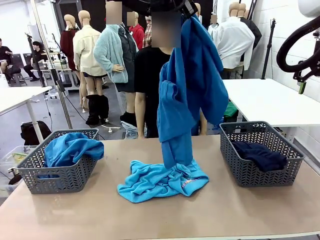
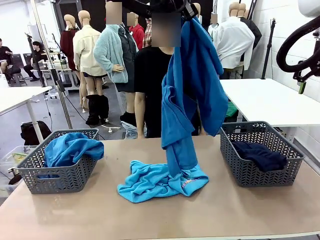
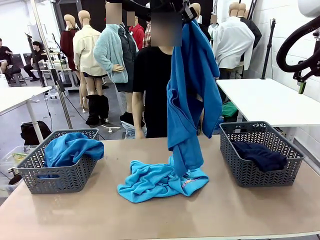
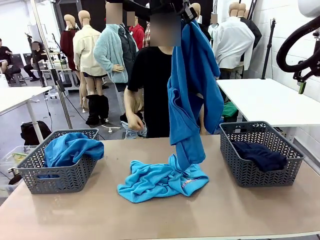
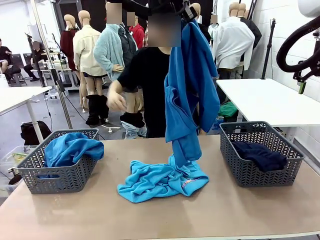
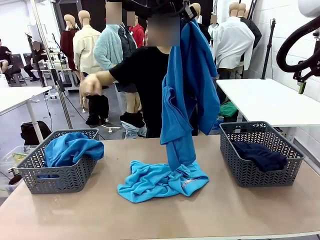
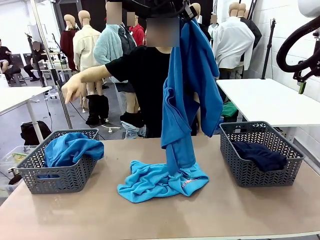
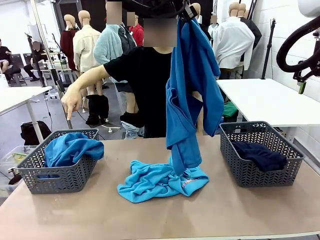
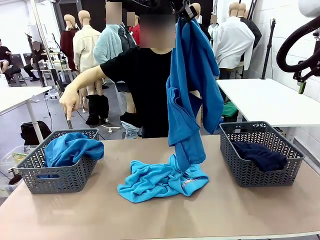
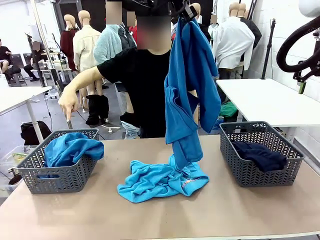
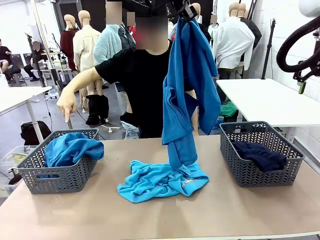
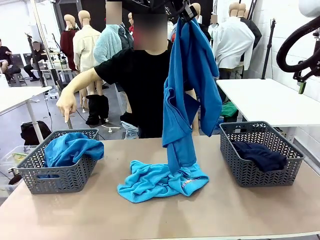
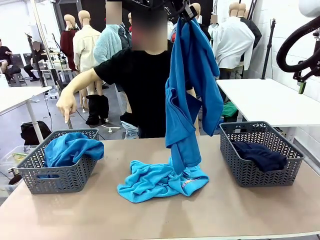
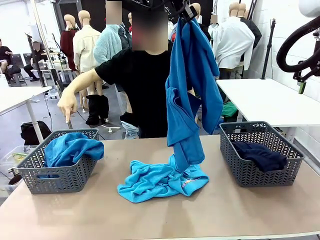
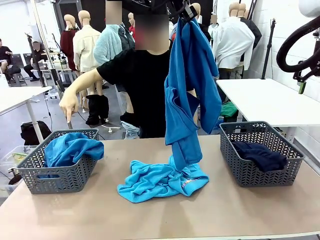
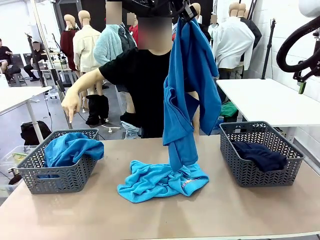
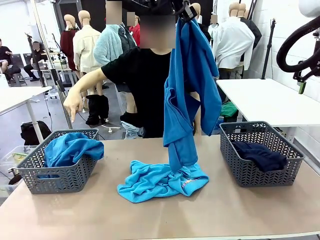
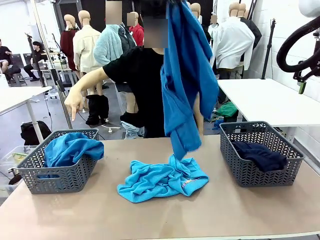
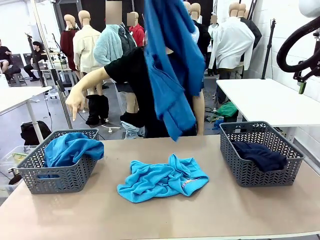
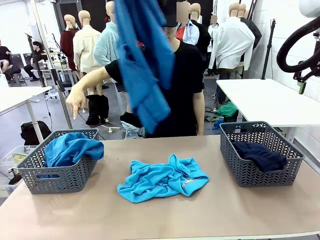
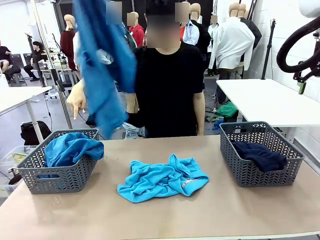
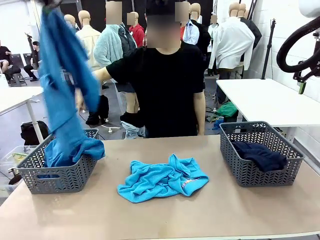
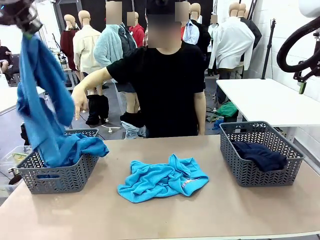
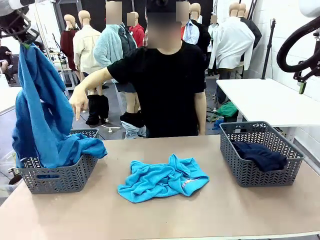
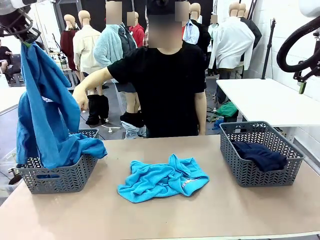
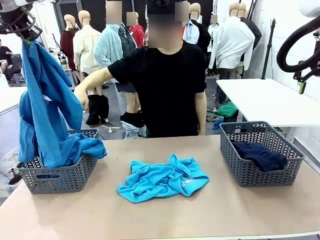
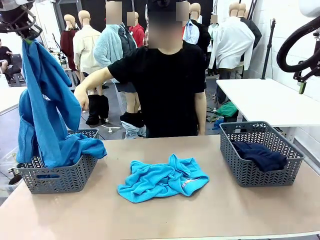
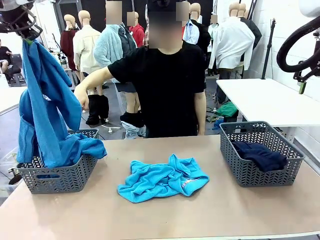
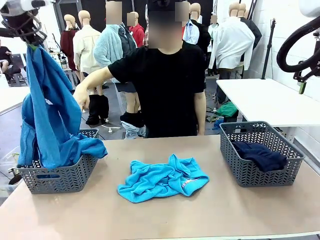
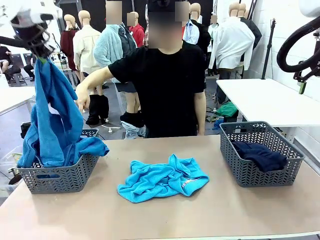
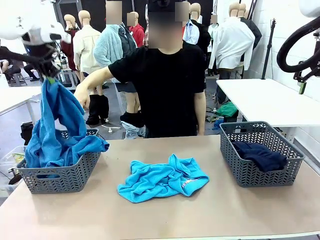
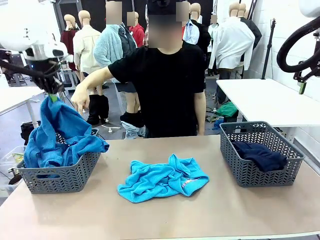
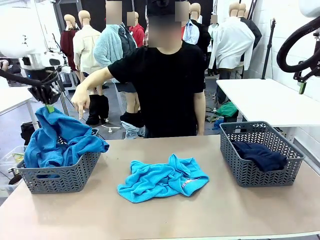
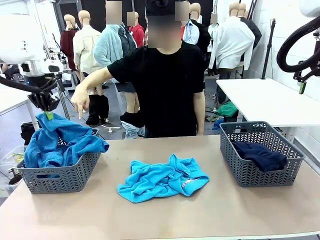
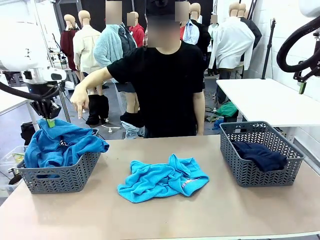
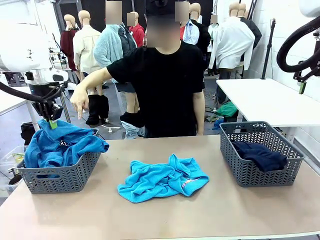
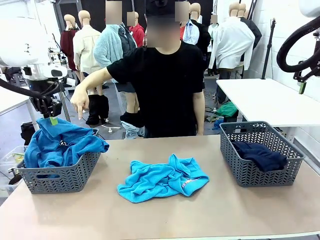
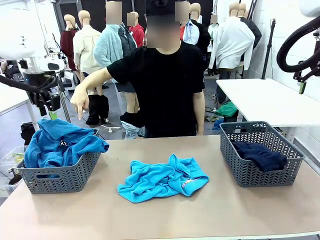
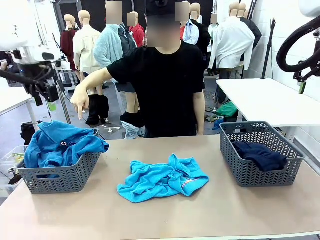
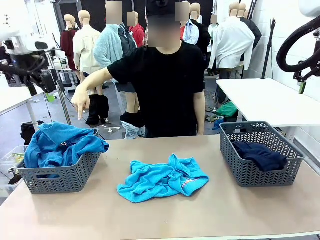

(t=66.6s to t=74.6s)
Task: Sort the tops and bottoms.
Robot: Sort the clothes according to human instructions.

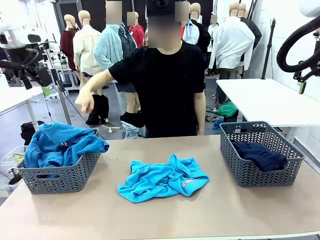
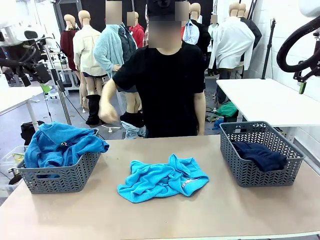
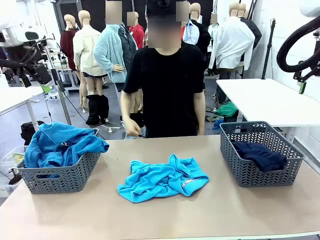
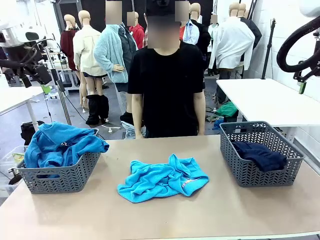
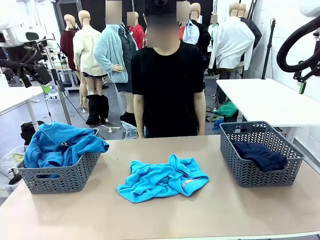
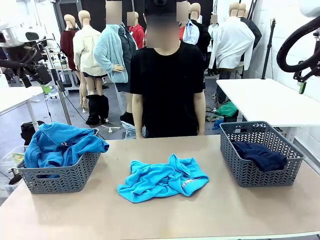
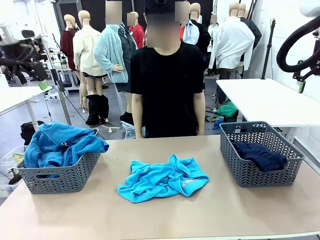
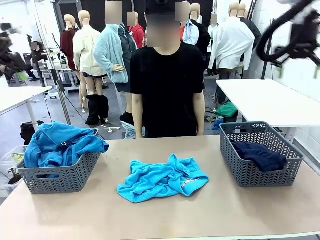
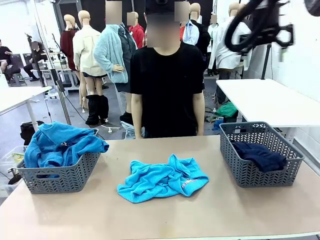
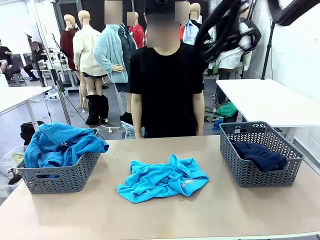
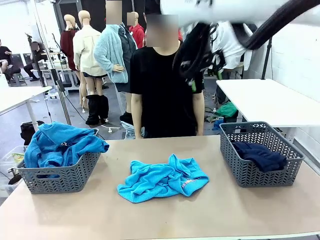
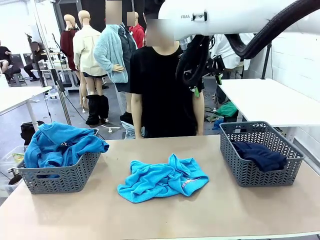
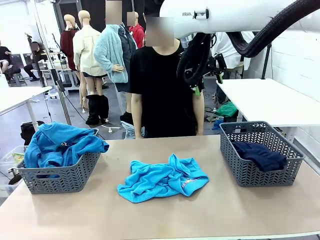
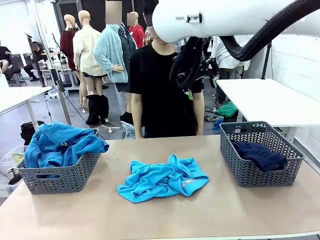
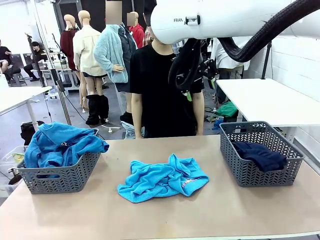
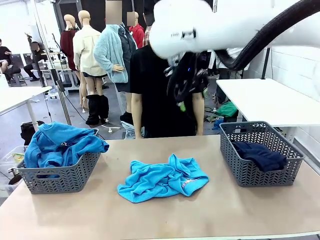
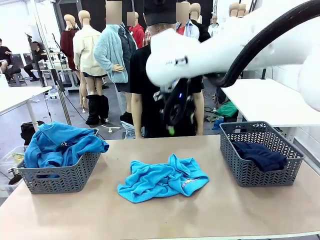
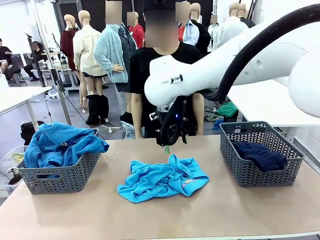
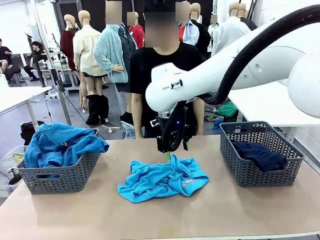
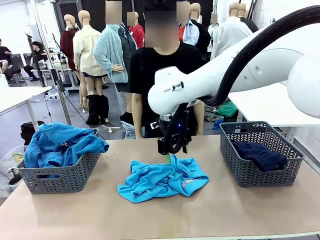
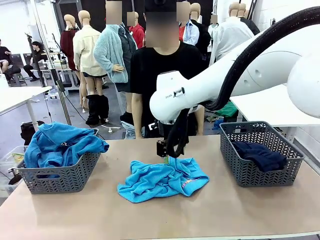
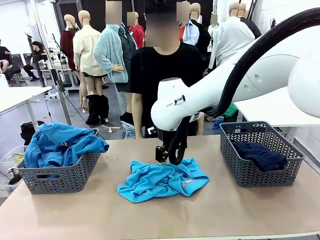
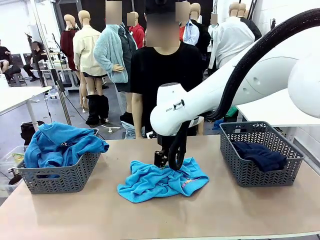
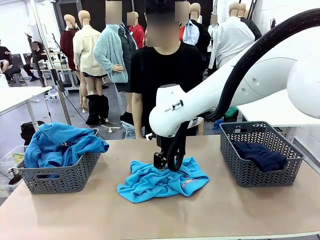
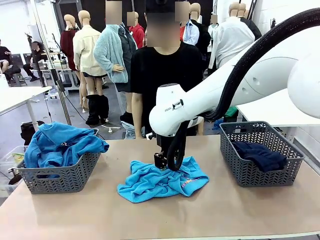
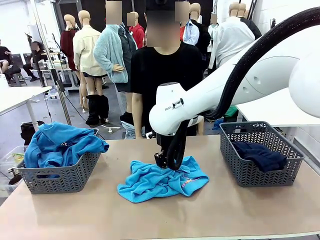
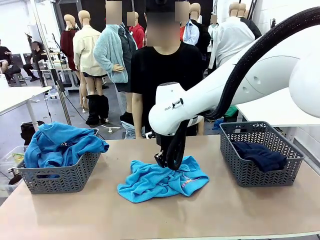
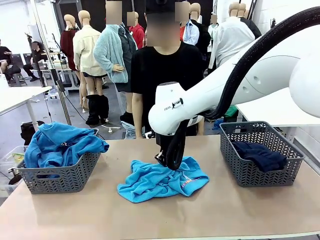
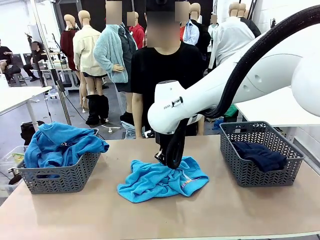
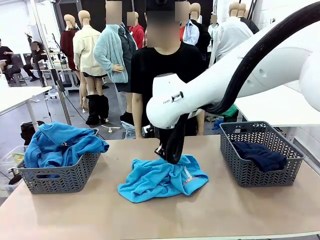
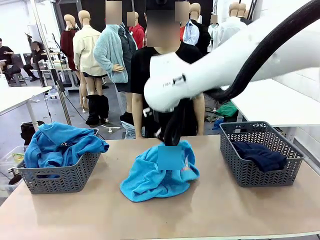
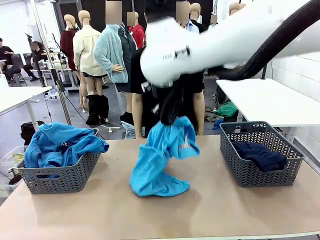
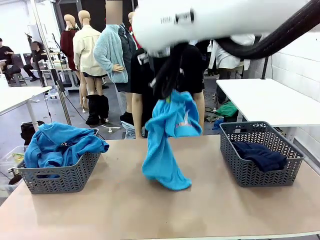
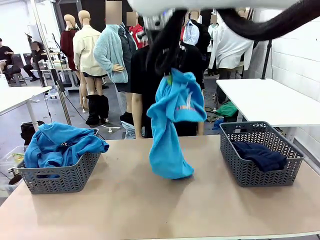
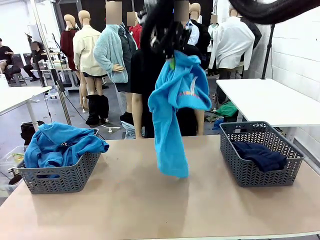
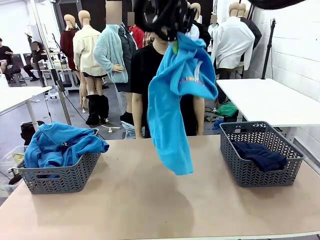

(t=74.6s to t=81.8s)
Robot: Lift clothes from the center of the table with your right hand.

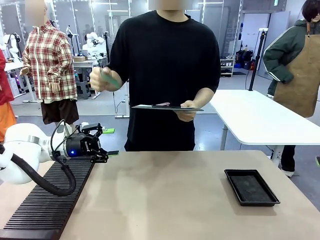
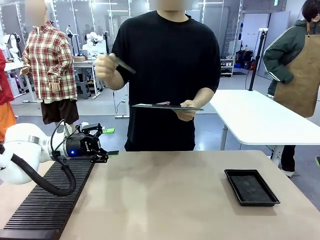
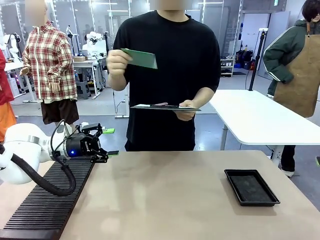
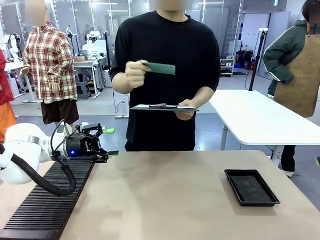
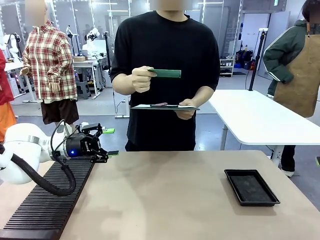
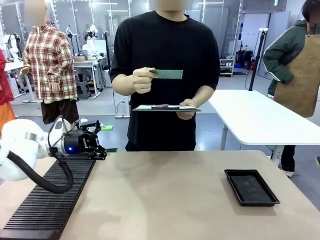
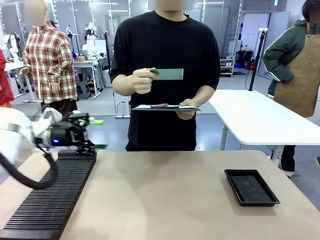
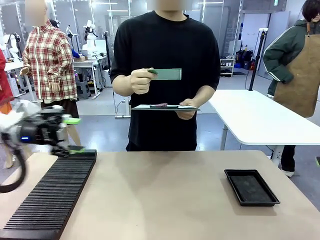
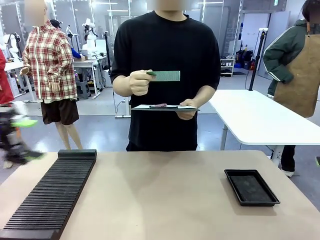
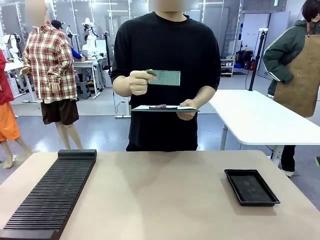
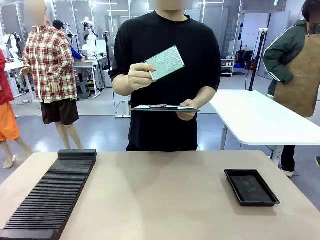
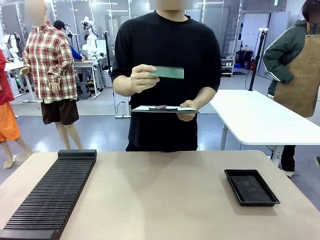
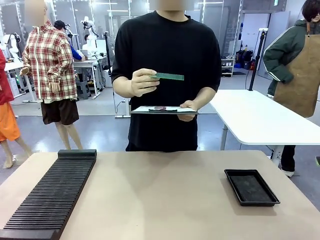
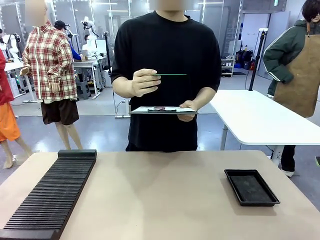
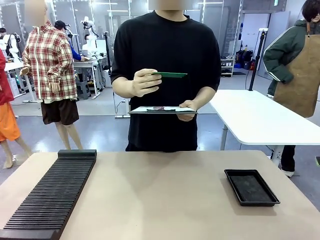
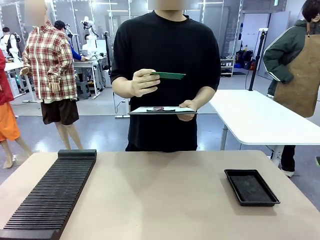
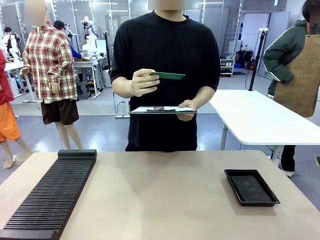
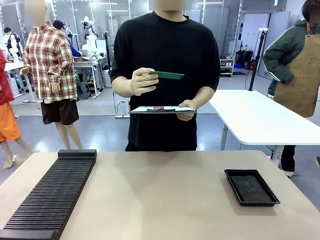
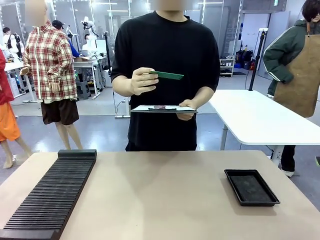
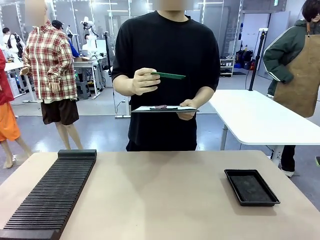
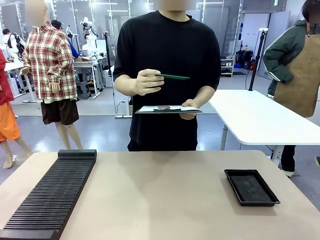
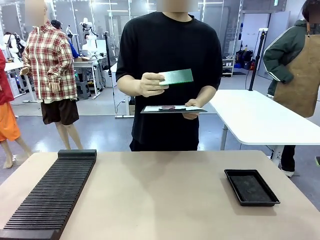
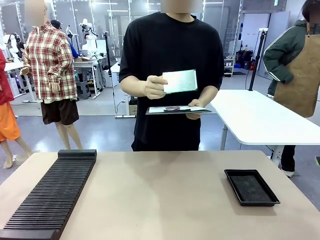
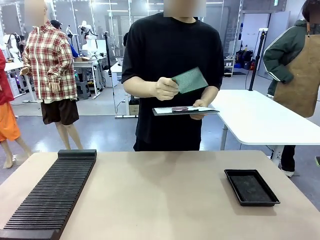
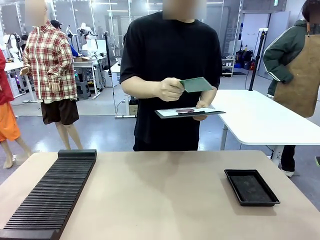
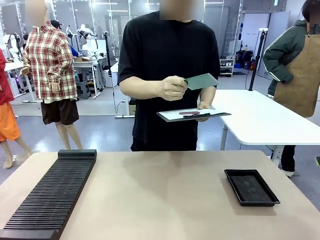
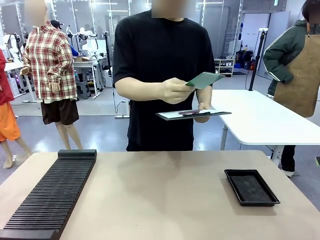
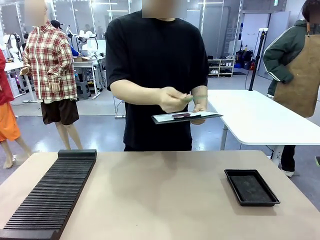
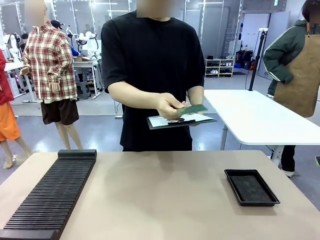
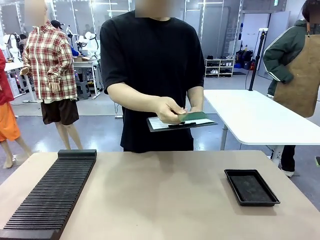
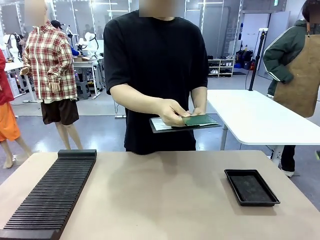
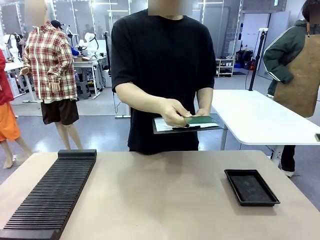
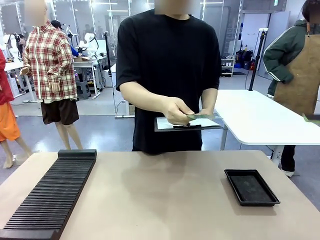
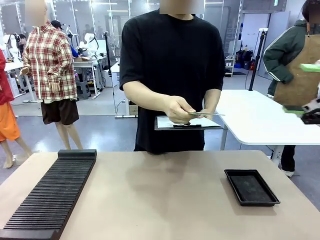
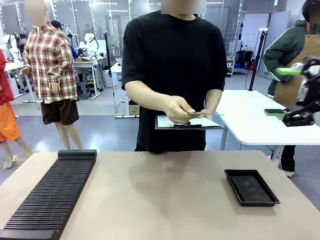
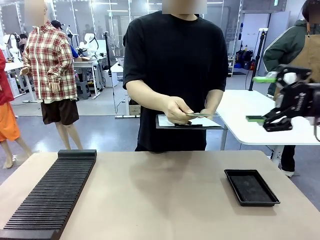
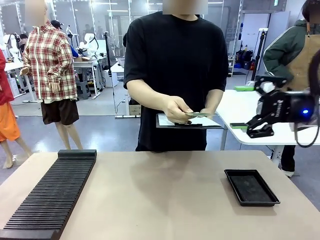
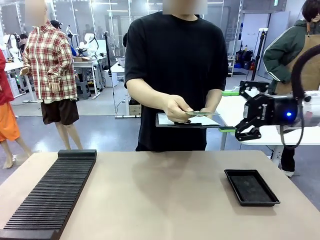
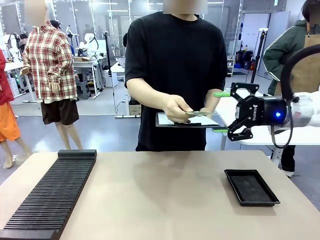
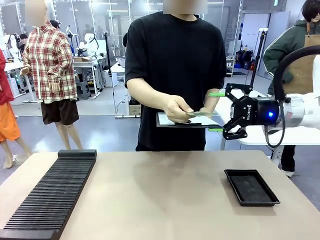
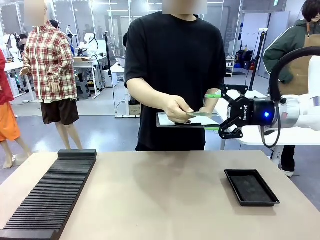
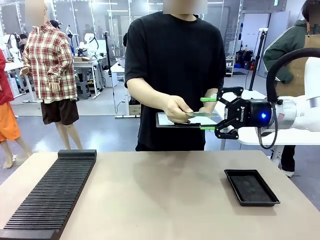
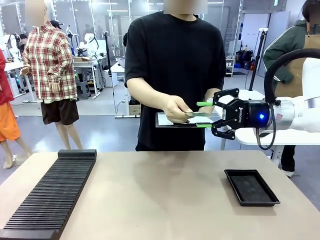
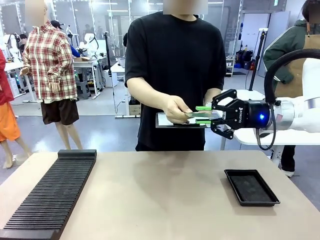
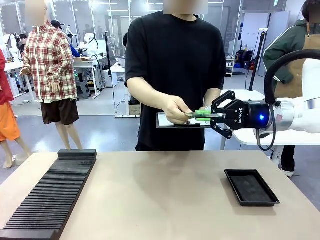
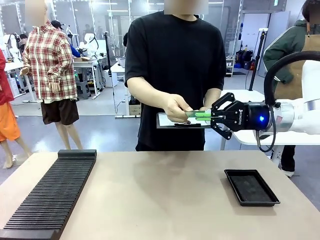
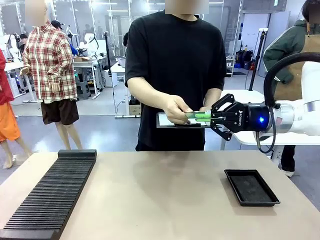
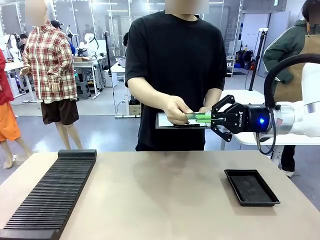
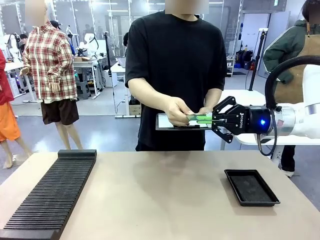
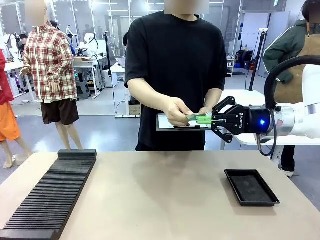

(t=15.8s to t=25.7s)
Task: Inspect the PCB.
Robot: Pick up the Blank PCB that the human is holding.
Person: Inspect the PCB placed by the robot, then hold it out in front of the robot. Release the PCB you were holding.
